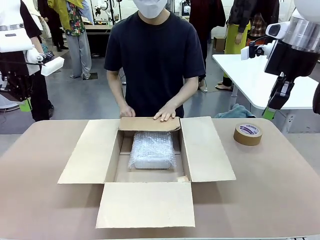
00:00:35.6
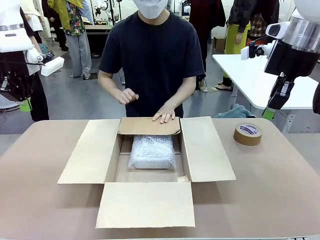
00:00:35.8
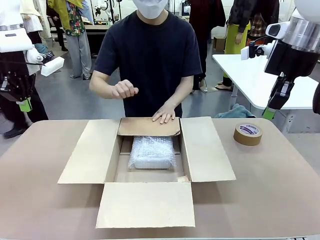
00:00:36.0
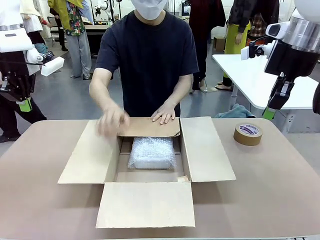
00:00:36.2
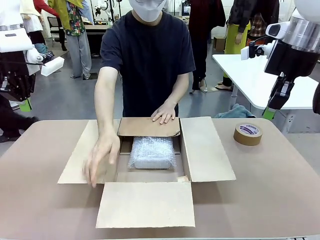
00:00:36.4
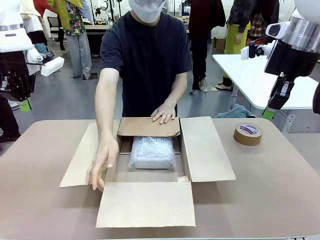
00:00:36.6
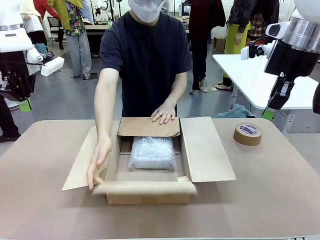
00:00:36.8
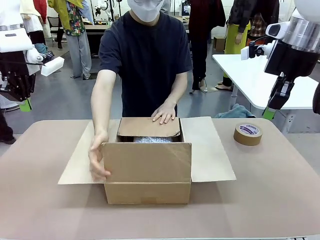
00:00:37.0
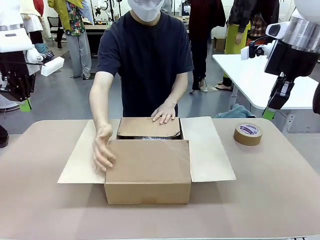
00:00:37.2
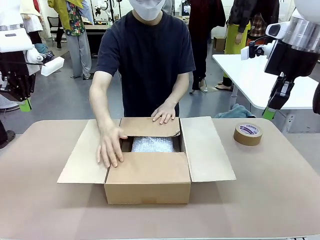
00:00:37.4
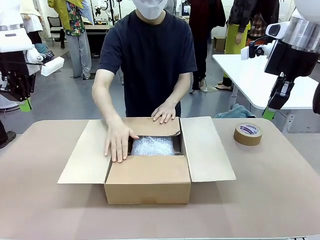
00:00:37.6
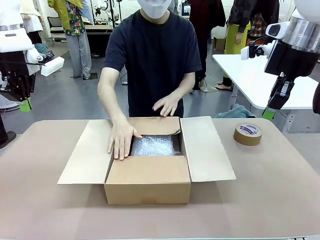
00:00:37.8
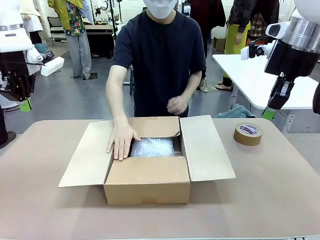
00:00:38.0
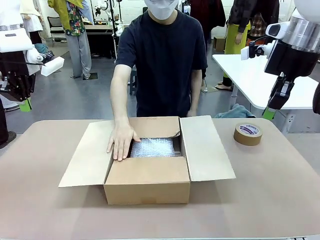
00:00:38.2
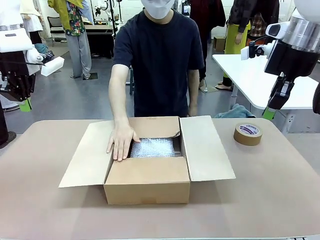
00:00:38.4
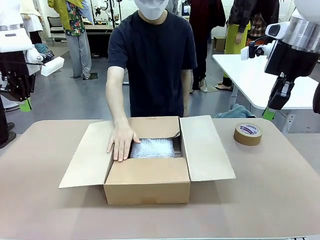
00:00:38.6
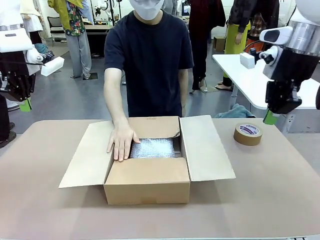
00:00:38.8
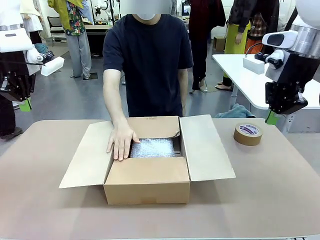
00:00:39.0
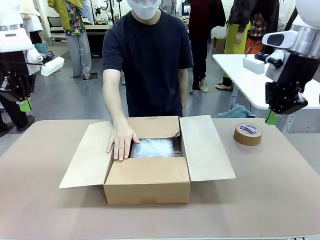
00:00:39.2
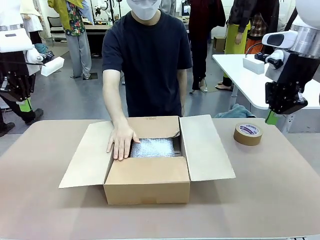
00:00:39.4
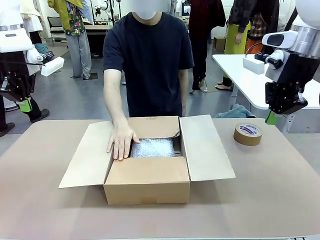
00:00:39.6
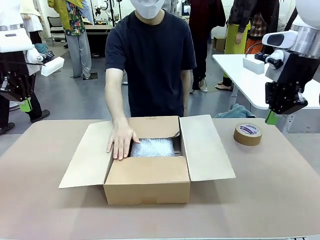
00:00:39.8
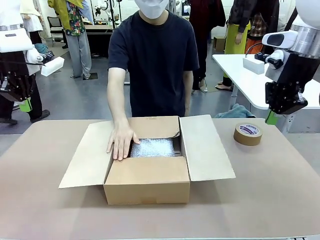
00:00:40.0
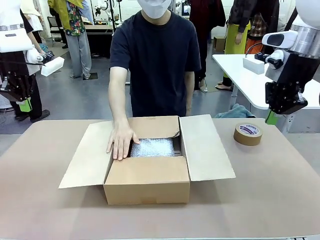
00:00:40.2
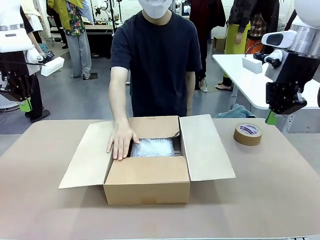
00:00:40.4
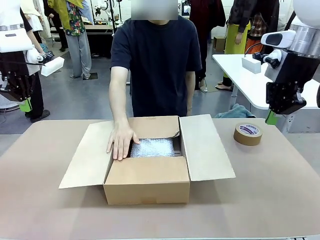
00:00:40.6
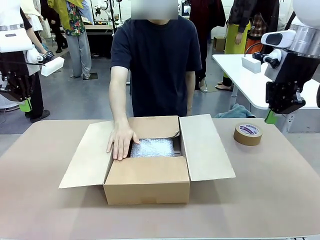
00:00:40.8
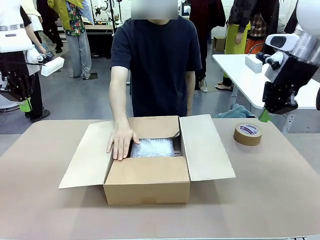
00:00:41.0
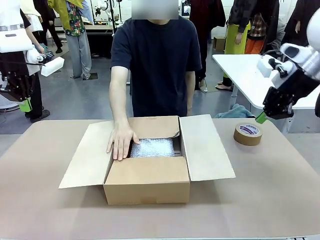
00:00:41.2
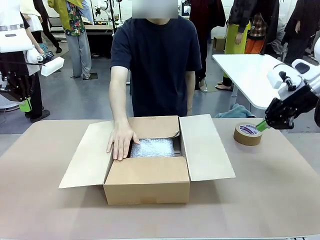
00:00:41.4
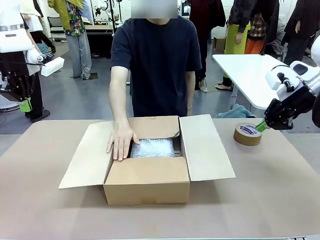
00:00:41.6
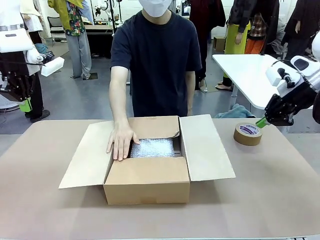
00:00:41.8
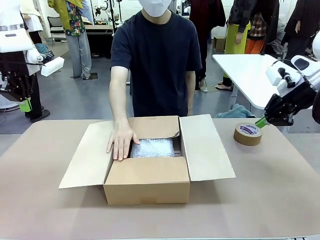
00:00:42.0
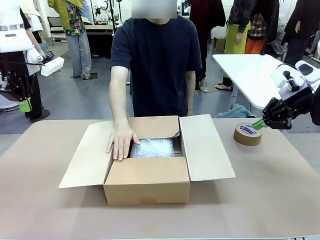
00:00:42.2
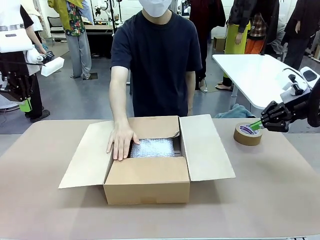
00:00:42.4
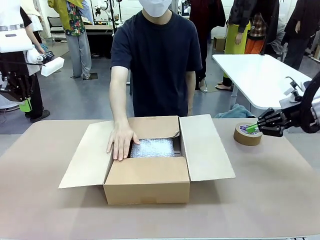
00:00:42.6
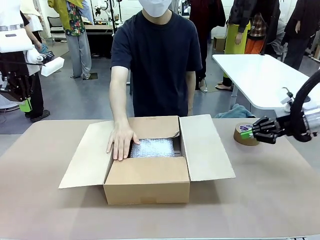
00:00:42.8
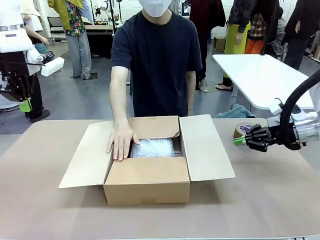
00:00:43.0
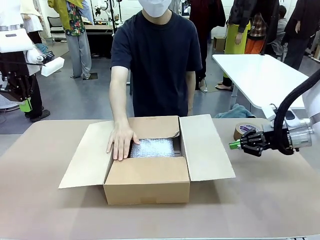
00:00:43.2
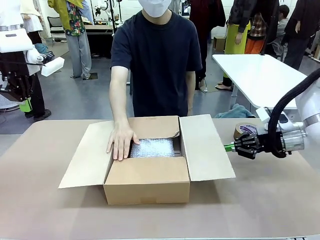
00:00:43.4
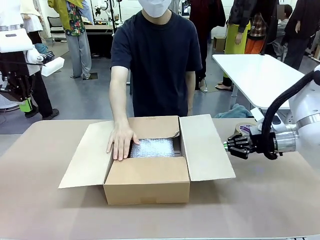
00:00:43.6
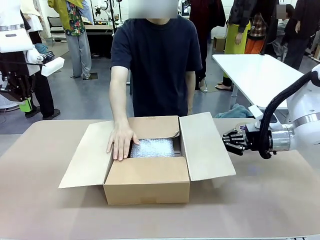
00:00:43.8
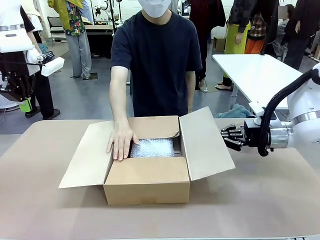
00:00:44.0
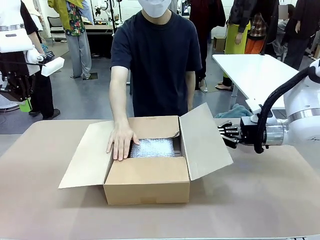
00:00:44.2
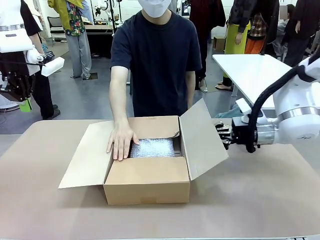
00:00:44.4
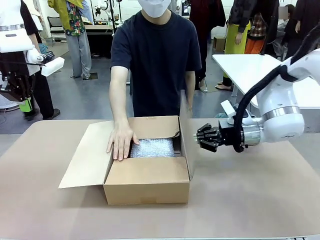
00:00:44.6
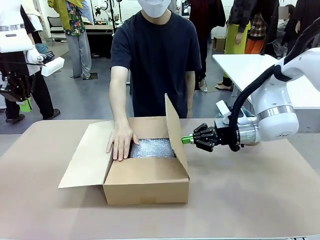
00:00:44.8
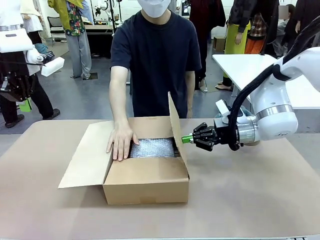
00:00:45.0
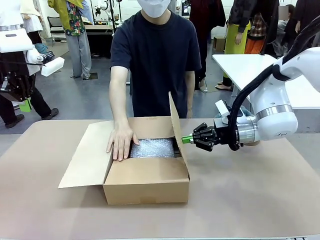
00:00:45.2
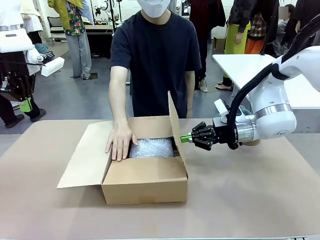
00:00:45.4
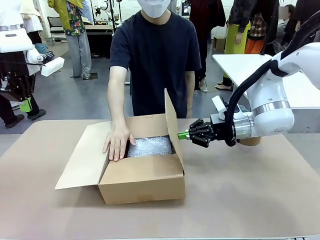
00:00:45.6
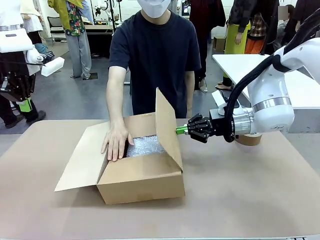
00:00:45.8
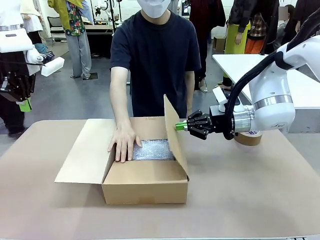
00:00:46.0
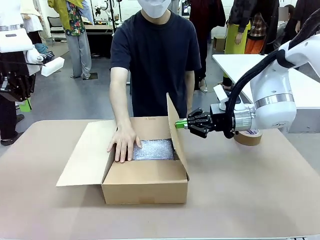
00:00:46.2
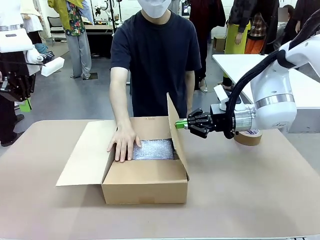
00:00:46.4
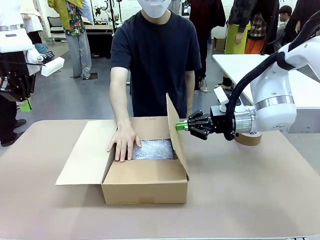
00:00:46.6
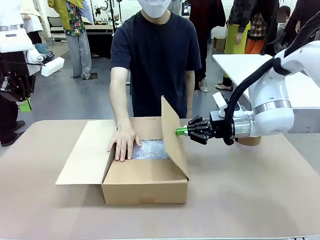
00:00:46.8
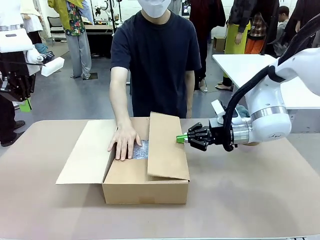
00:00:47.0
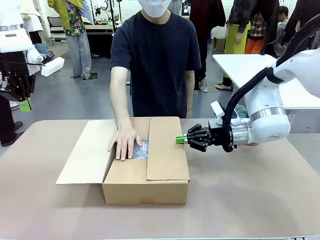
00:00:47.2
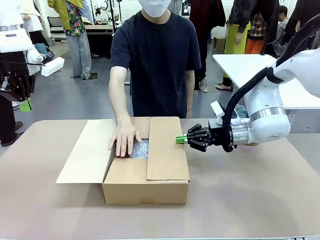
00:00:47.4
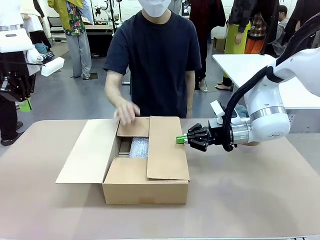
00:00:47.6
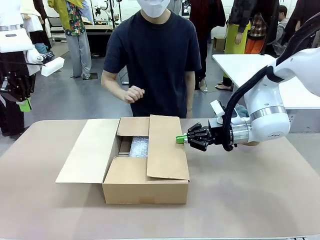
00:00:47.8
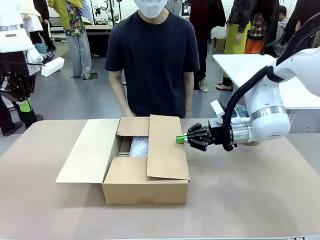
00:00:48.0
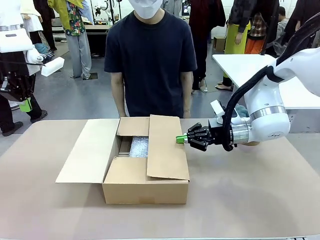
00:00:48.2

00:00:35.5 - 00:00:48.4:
Task: Wrap the clocks to prevent damage.
Robot: Push the right (or left) flap of the Package Box to close it.
Person: Once the robot closes the right flap of the Package Box , release your left hand from the box.

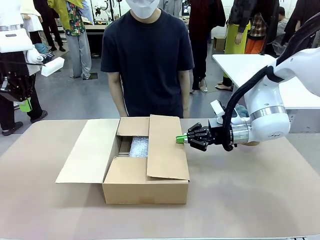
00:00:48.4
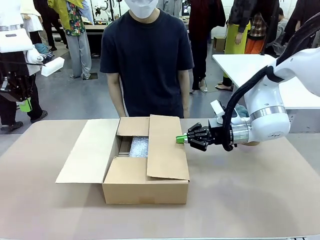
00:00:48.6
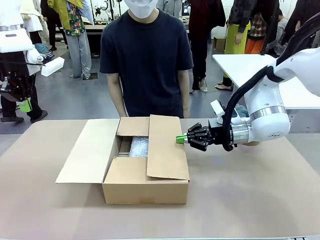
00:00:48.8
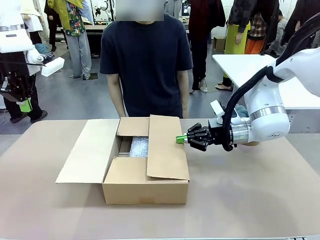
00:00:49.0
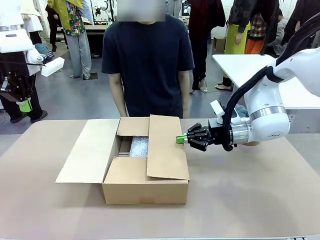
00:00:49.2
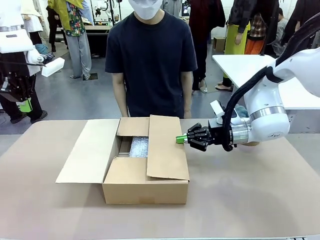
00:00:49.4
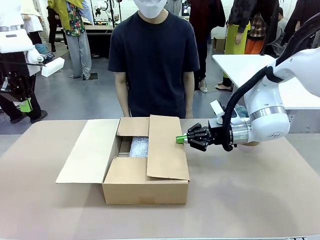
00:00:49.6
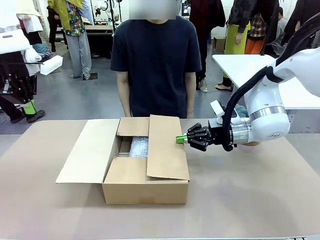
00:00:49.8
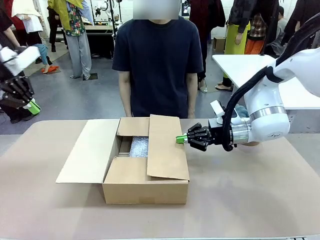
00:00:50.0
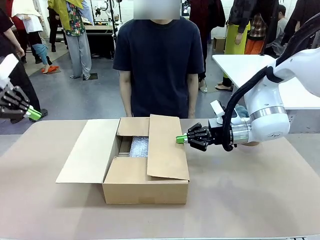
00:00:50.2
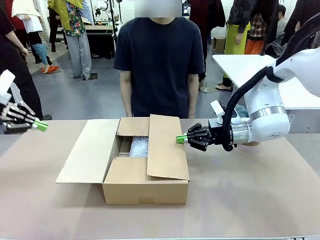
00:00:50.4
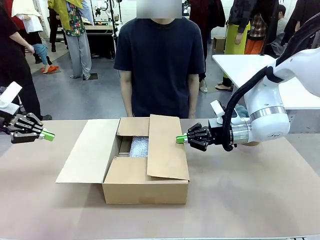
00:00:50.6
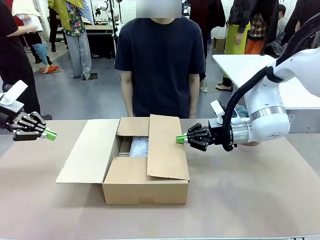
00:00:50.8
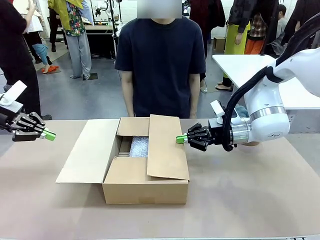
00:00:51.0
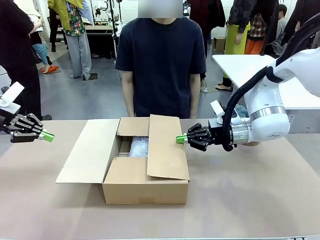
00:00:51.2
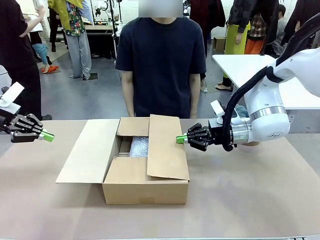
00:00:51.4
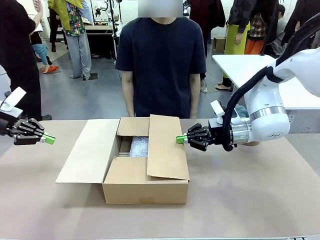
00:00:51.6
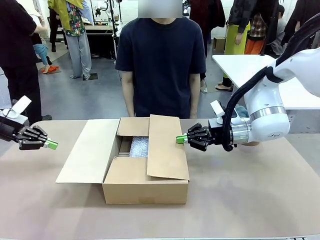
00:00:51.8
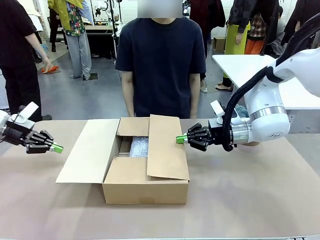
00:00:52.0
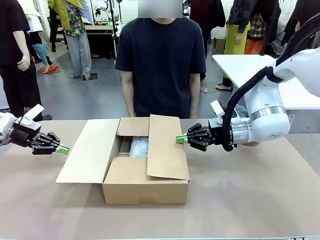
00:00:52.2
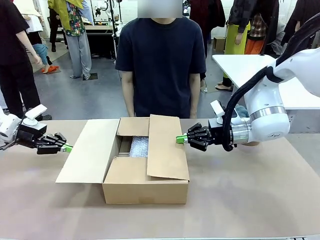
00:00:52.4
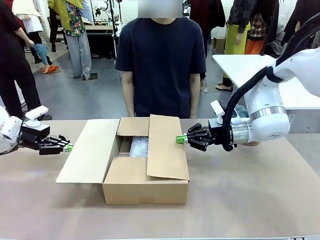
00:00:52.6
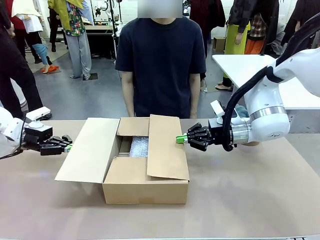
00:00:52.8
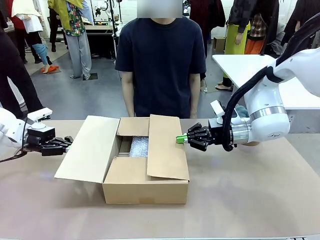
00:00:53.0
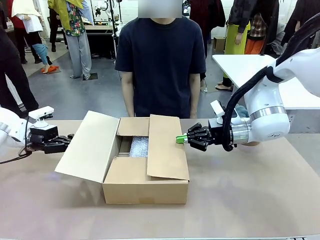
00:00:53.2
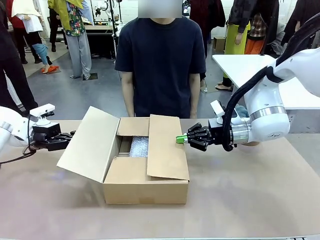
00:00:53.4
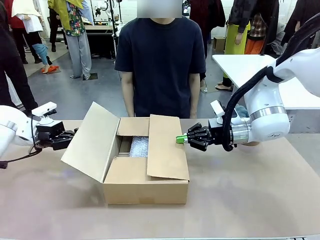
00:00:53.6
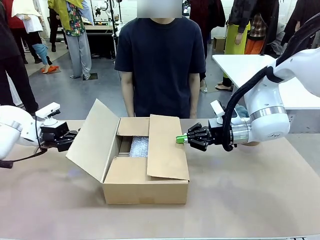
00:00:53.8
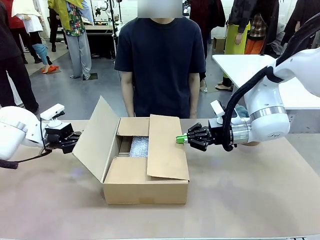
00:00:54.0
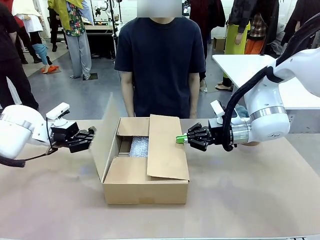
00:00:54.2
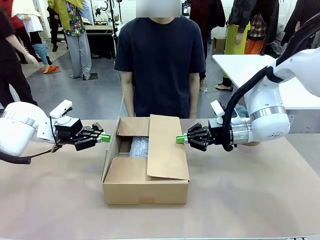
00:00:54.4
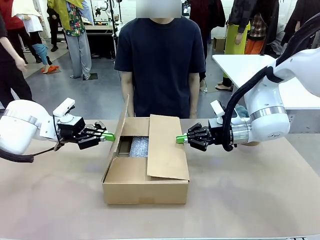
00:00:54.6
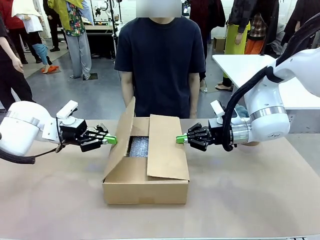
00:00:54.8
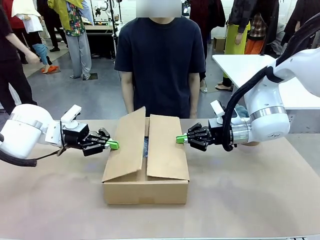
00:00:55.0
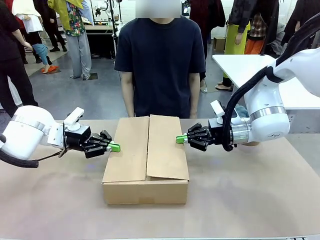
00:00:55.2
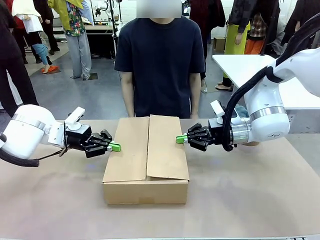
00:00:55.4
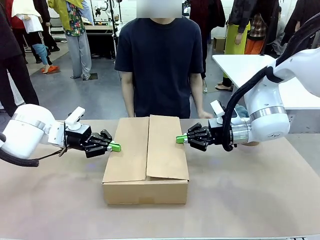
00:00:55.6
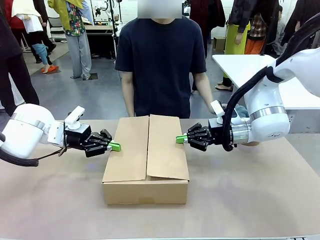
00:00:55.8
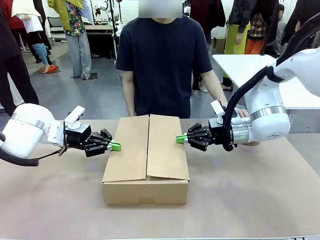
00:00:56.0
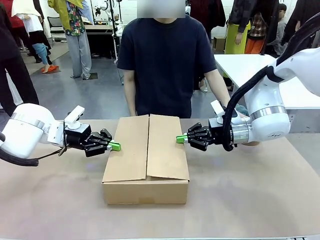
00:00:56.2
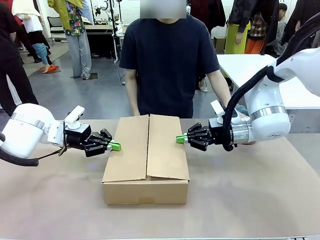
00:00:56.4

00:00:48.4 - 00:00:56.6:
Robot: Push the left (or right) flap of the Package Box to close it.
